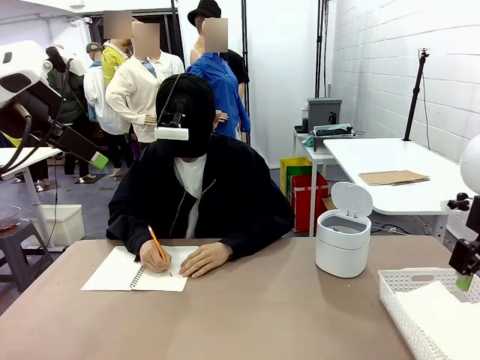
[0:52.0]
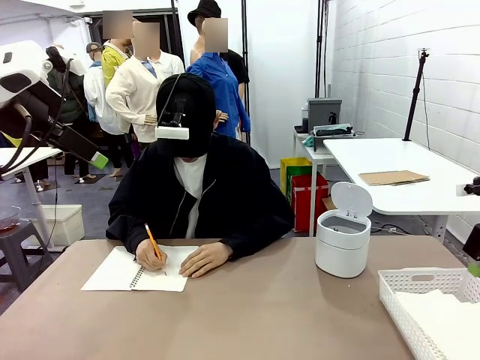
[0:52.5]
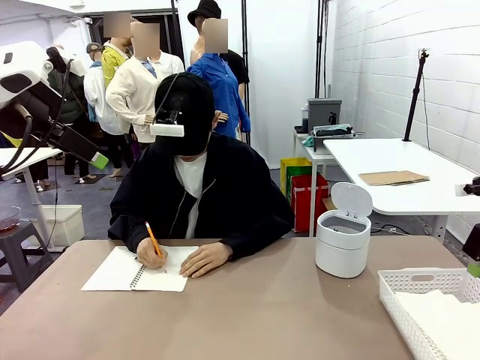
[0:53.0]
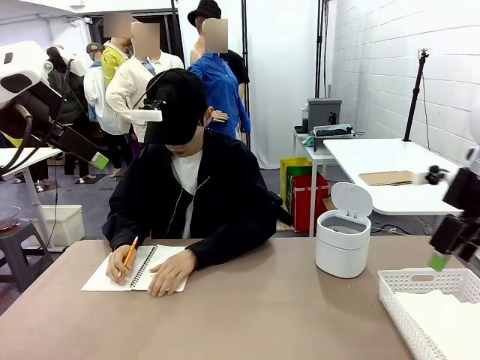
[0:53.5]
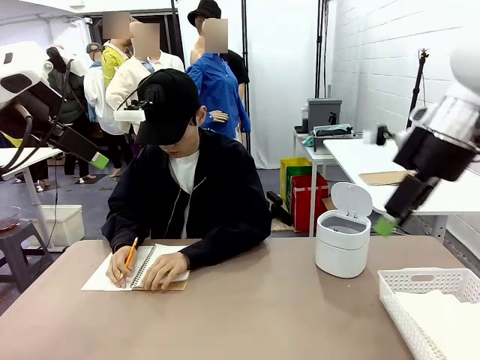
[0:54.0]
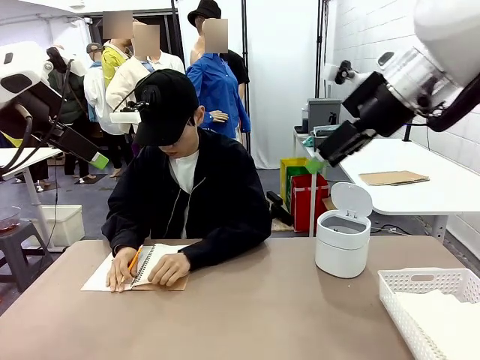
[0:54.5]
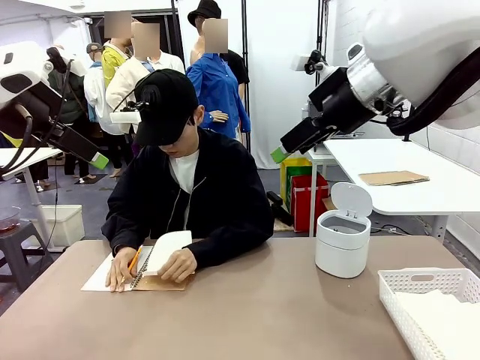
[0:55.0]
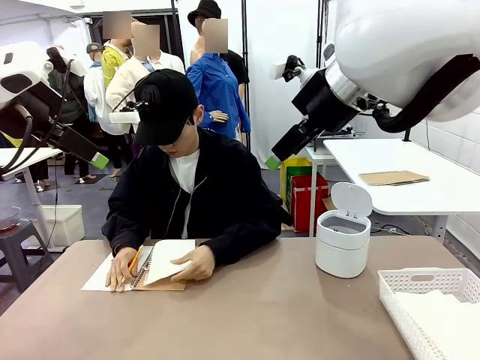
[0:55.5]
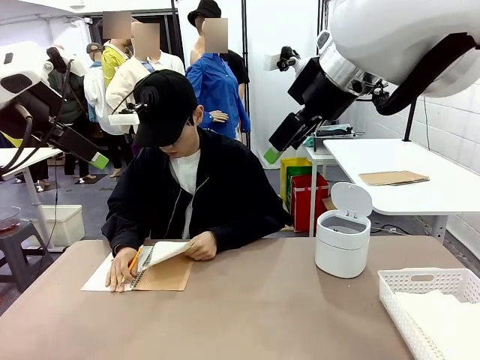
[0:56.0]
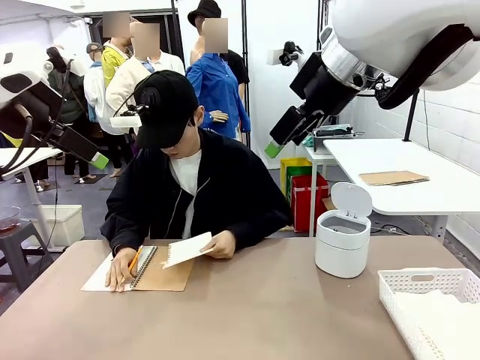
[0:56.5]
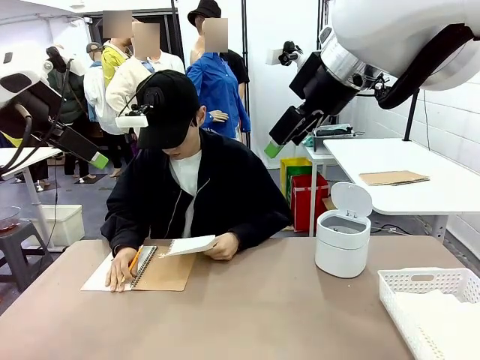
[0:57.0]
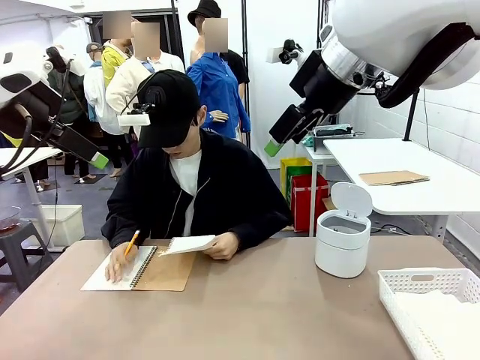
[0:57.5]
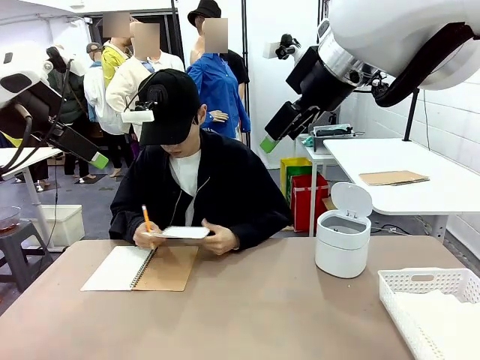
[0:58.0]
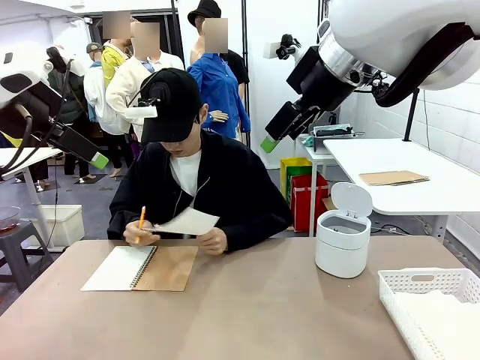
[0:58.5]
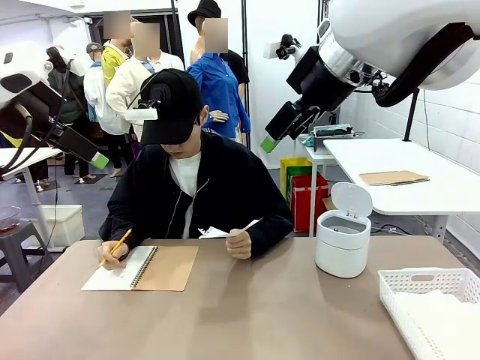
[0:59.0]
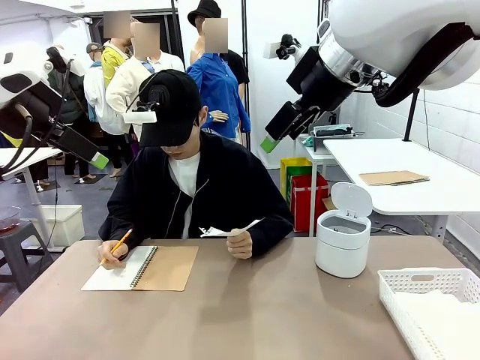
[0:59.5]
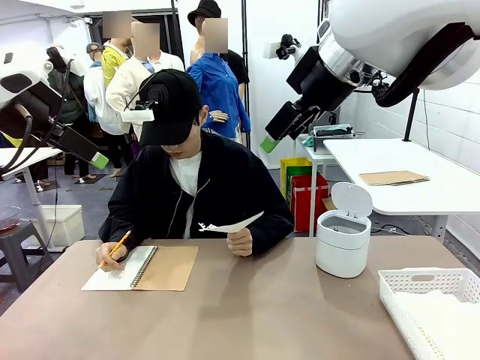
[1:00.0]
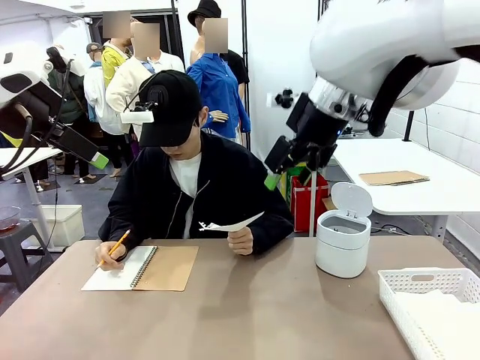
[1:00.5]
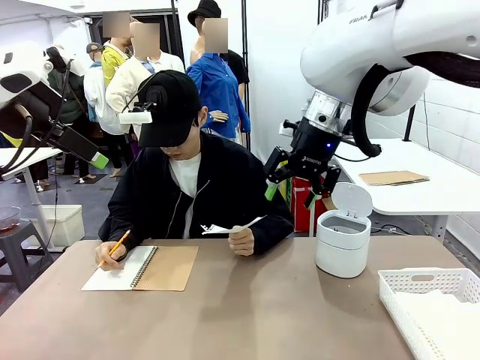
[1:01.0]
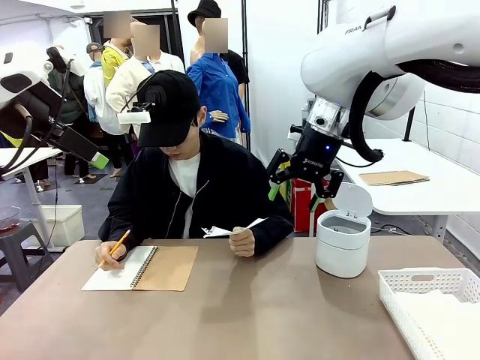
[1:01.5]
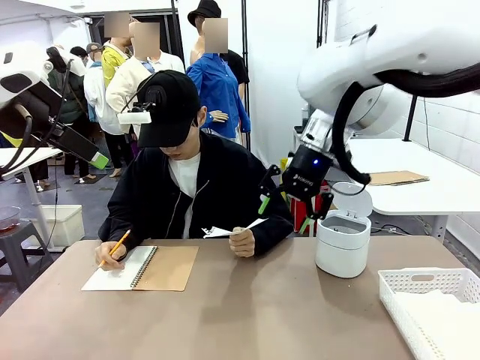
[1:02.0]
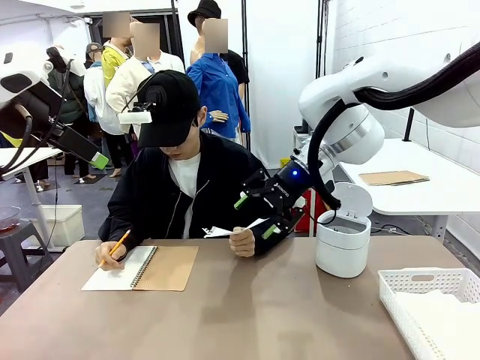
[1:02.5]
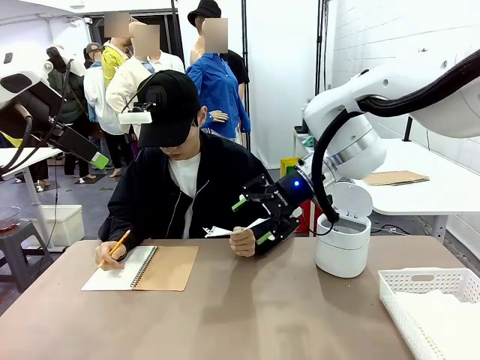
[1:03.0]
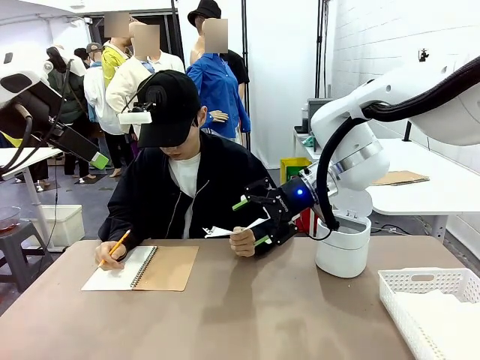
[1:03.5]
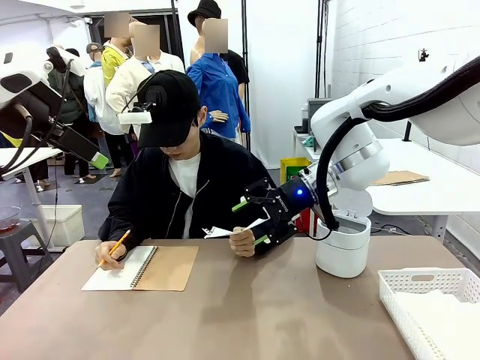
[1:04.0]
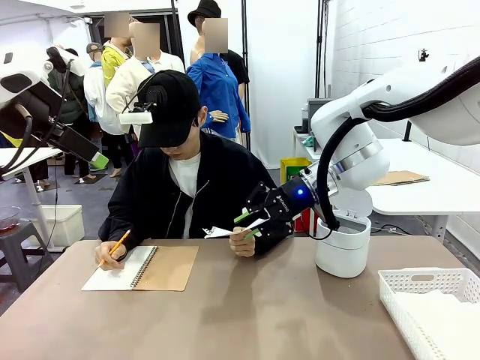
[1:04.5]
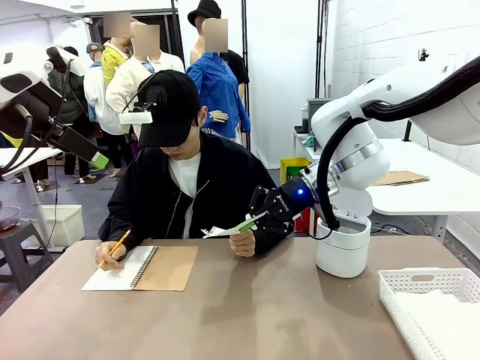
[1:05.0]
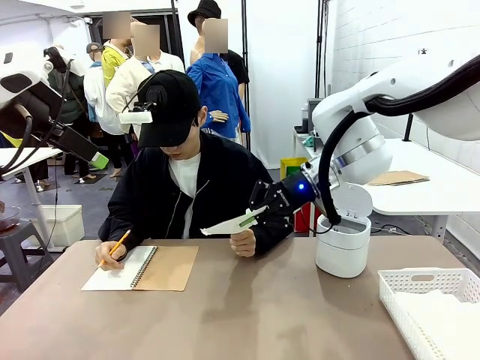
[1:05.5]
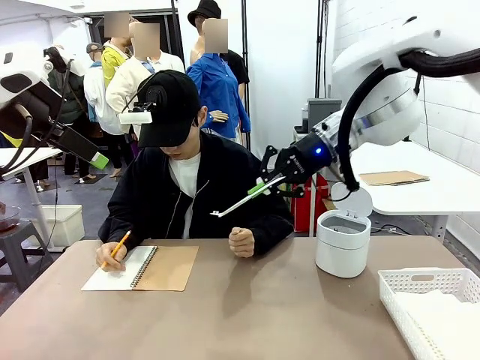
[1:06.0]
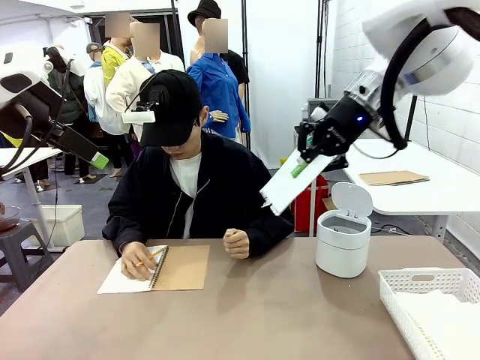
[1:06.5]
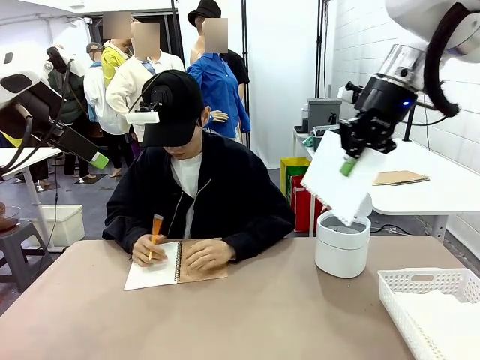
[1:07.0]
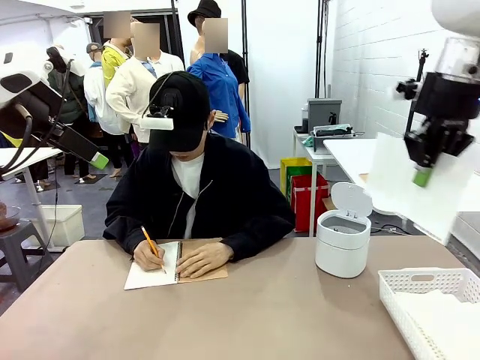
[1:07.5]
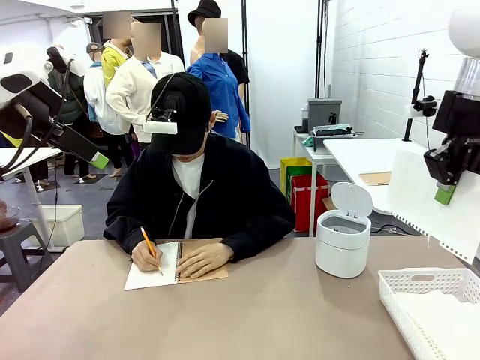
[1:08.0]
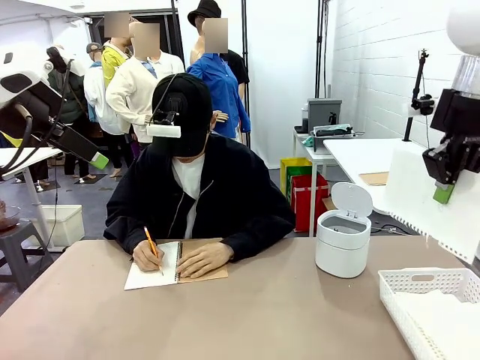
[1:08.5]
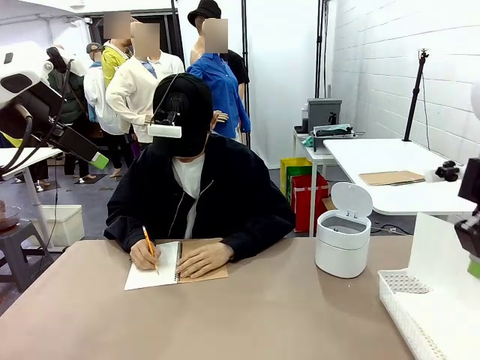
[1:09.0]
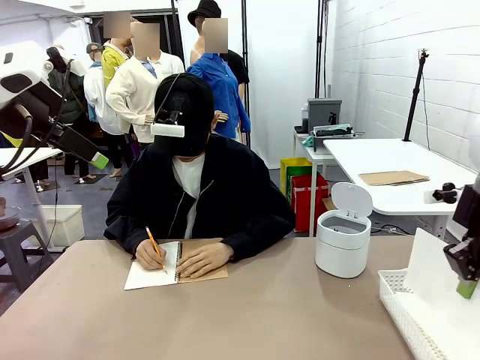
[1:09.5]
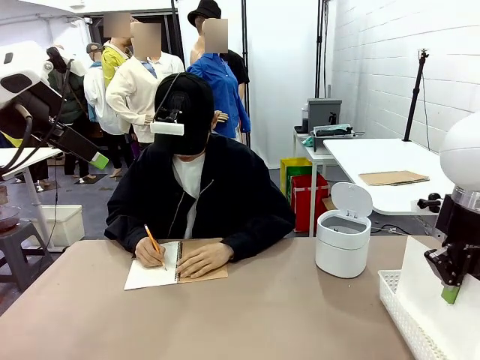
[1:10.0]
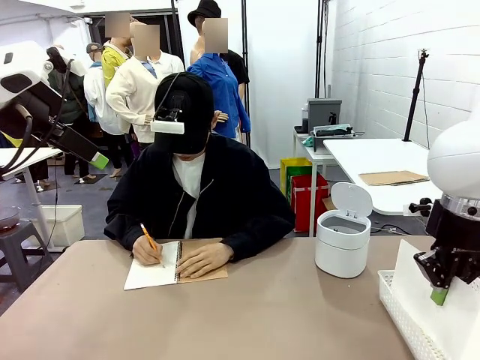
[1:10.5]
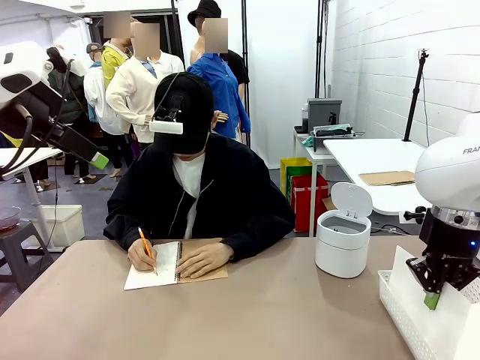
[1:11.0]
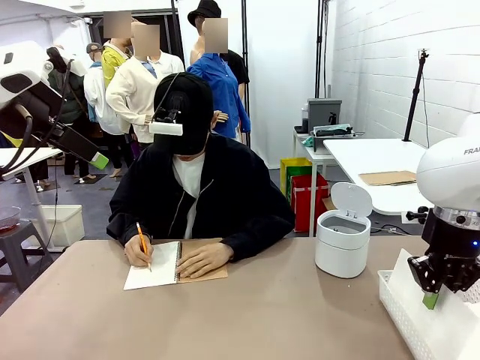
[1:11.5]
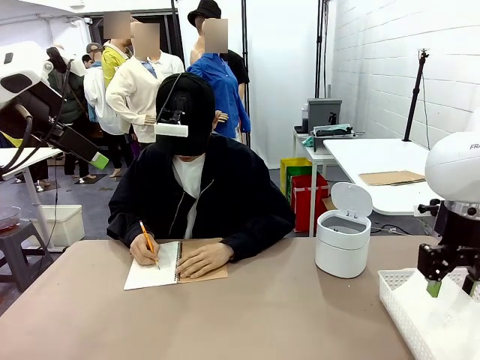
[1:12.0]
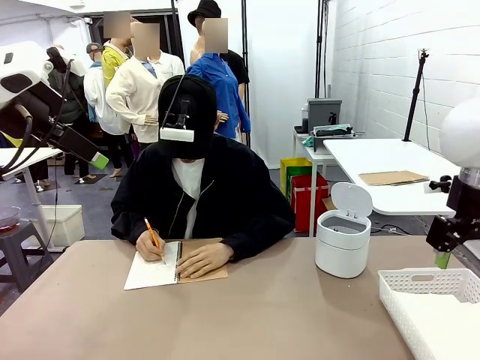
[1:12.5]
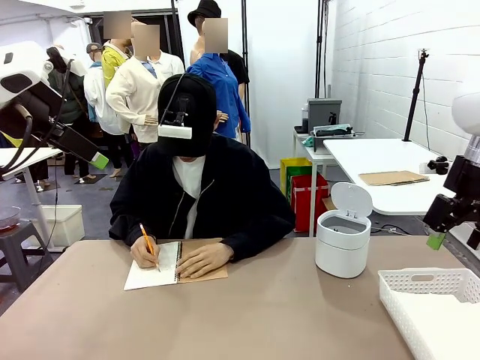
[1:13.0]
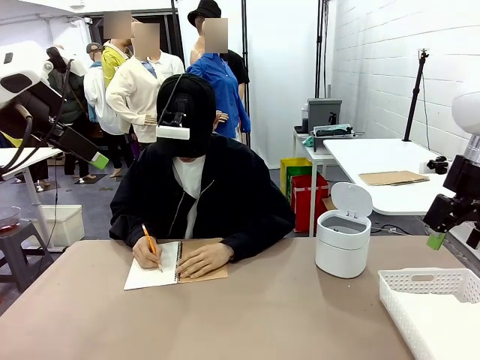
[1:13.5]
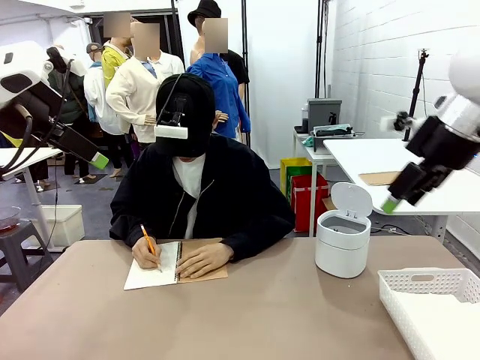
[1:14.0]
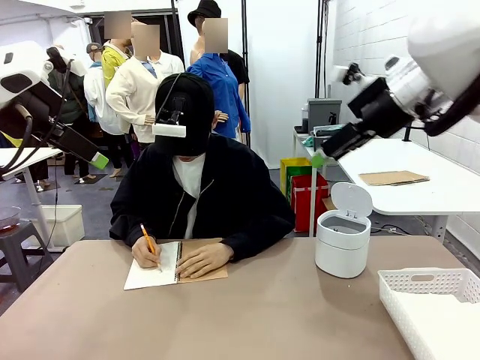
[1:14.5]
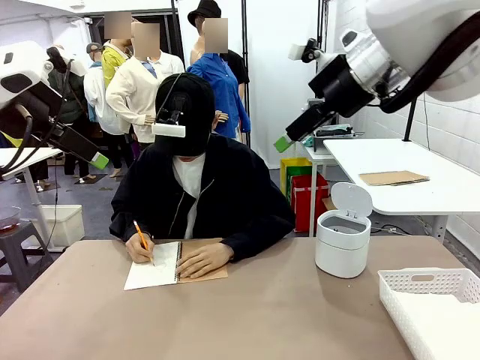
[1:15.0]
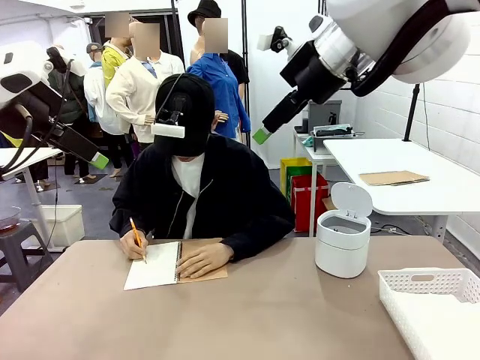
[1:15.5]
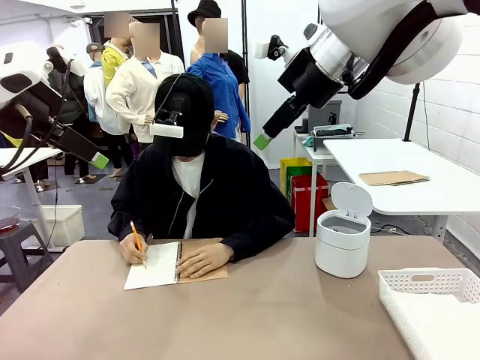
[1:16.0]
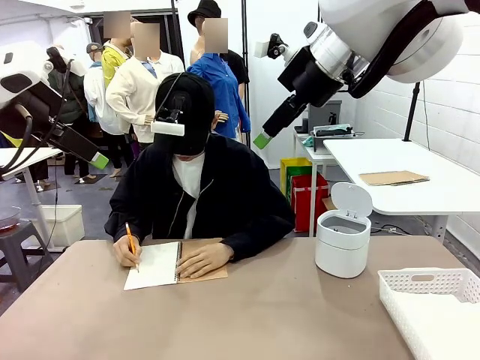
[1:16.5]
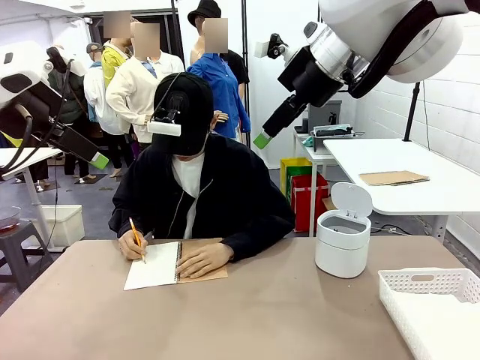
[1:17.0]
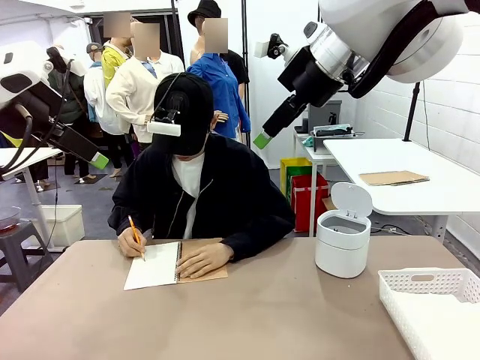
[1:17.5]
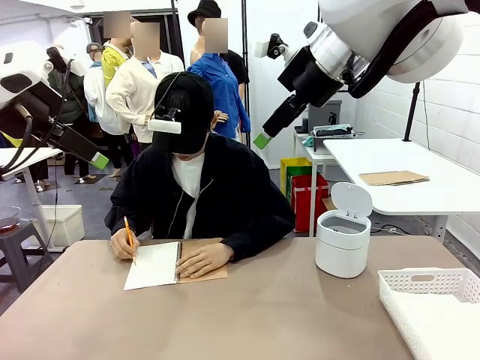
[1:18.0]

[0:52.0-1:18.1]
Task: Sort the paper based on its condition.
Robot: If a person hands you a paper, place it in the Organizing basket , and if it's crumpled, put it in the Trash can.
Person: Hand the torn page to the robot or crumple it and throw it to the center of the table.
